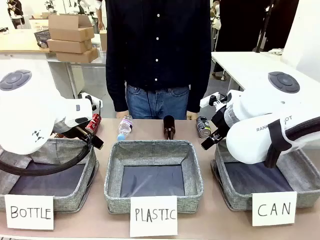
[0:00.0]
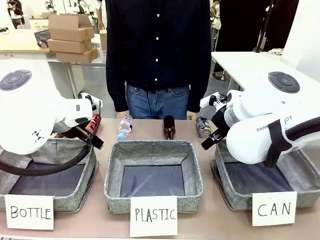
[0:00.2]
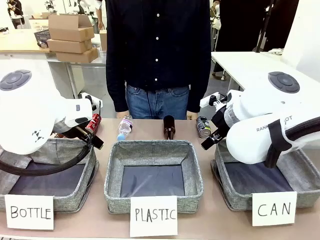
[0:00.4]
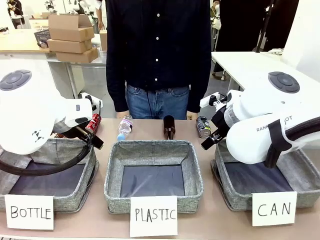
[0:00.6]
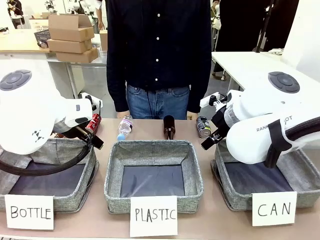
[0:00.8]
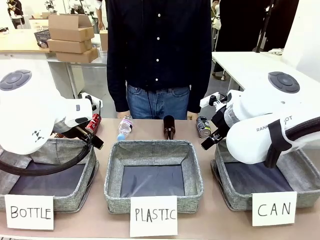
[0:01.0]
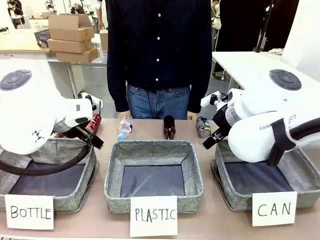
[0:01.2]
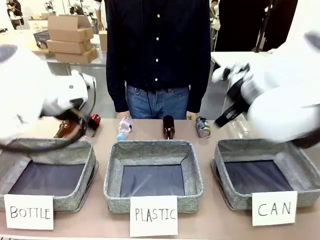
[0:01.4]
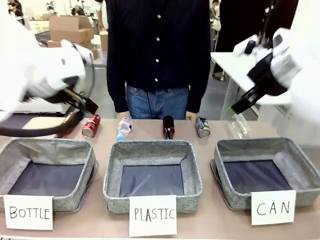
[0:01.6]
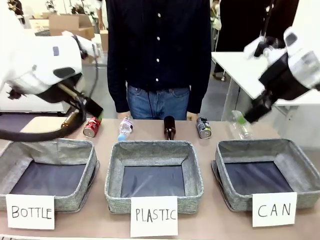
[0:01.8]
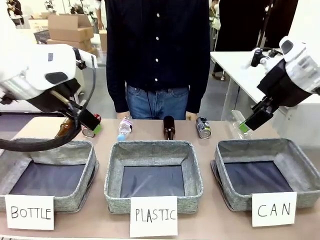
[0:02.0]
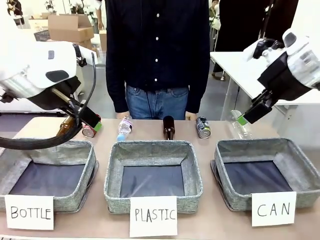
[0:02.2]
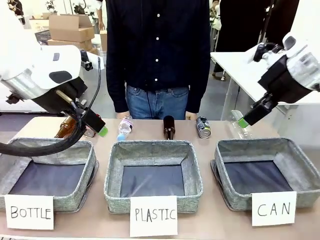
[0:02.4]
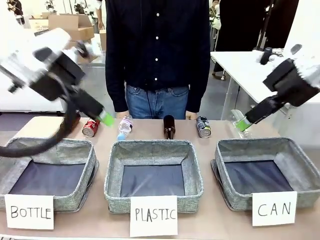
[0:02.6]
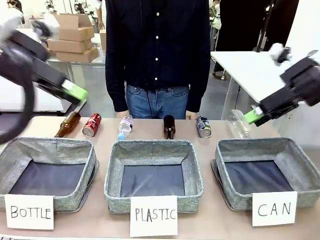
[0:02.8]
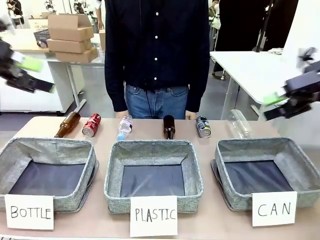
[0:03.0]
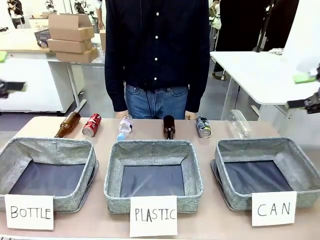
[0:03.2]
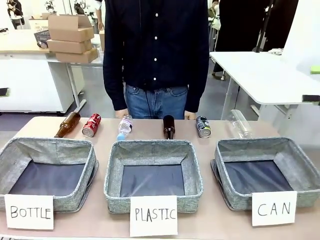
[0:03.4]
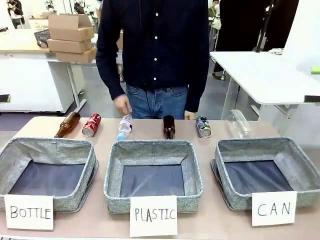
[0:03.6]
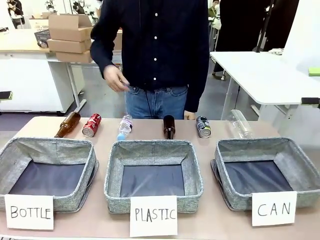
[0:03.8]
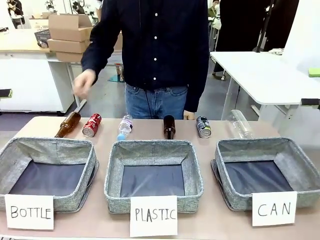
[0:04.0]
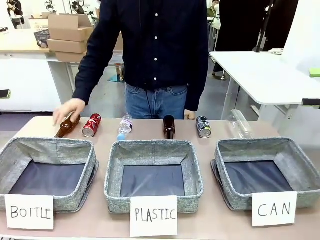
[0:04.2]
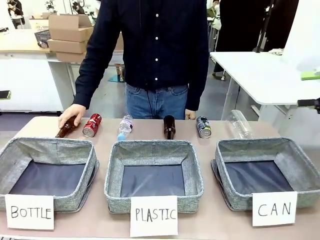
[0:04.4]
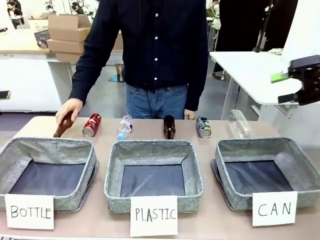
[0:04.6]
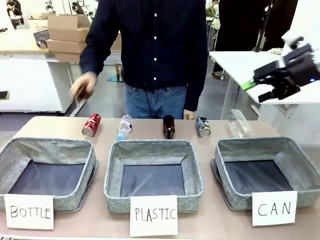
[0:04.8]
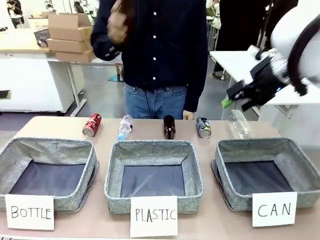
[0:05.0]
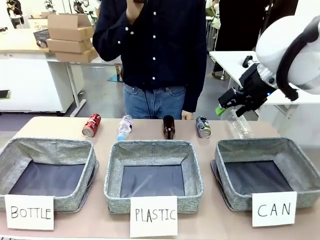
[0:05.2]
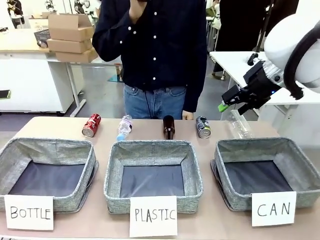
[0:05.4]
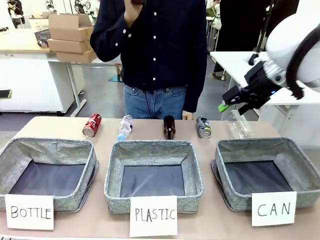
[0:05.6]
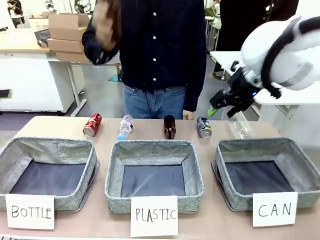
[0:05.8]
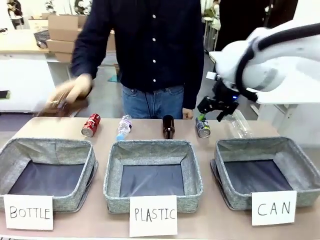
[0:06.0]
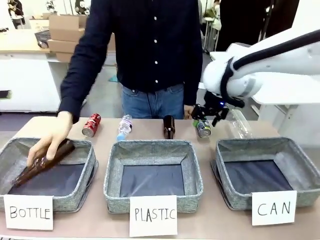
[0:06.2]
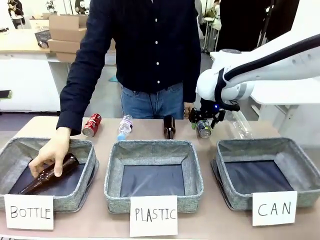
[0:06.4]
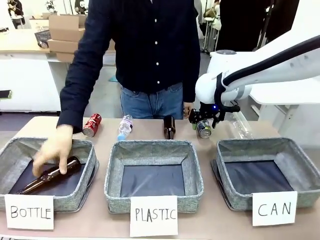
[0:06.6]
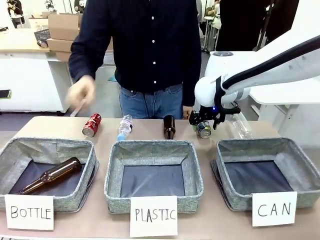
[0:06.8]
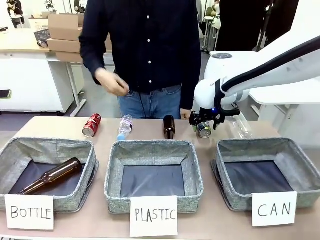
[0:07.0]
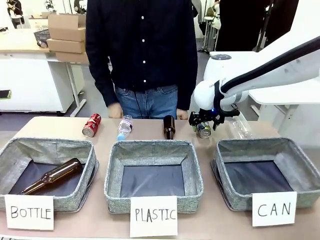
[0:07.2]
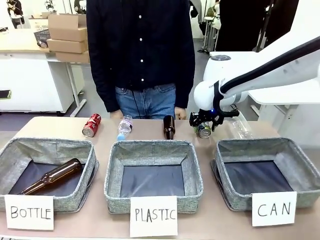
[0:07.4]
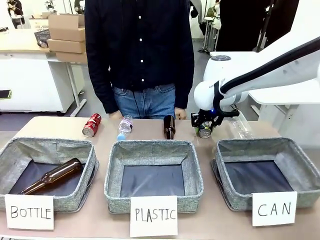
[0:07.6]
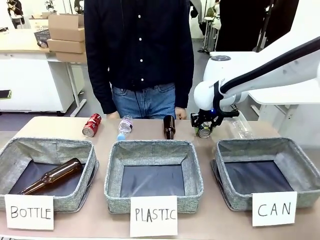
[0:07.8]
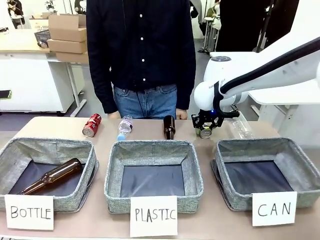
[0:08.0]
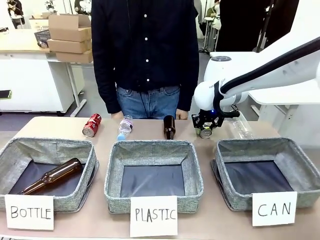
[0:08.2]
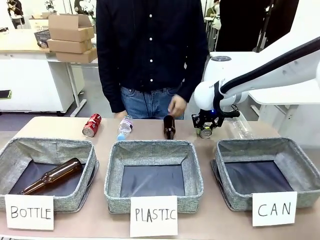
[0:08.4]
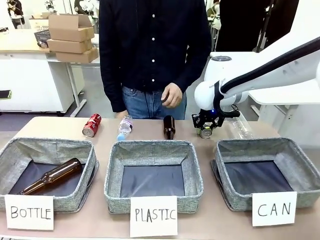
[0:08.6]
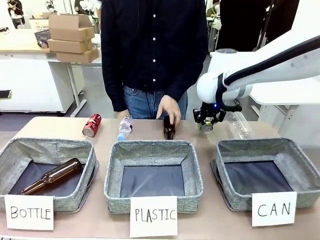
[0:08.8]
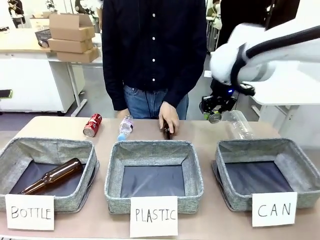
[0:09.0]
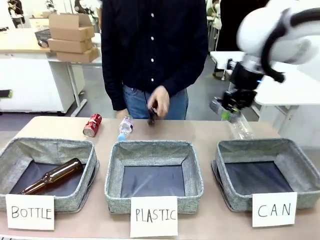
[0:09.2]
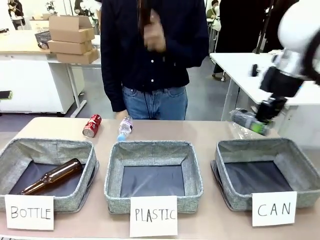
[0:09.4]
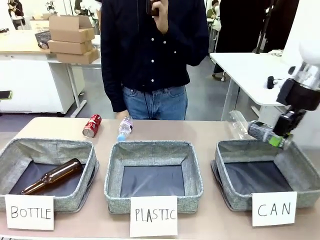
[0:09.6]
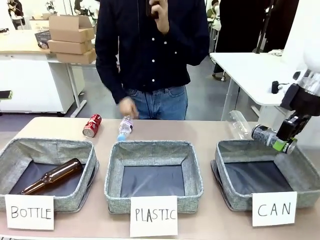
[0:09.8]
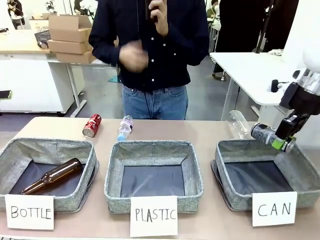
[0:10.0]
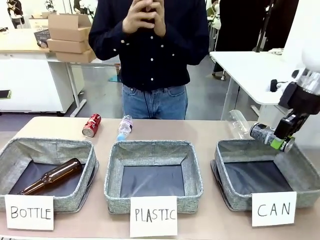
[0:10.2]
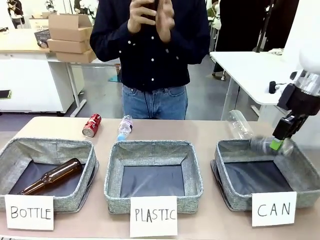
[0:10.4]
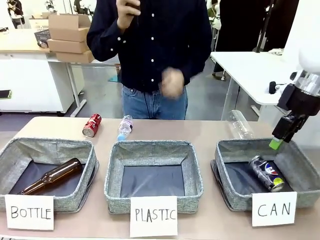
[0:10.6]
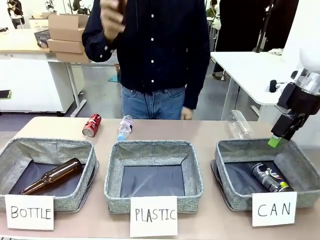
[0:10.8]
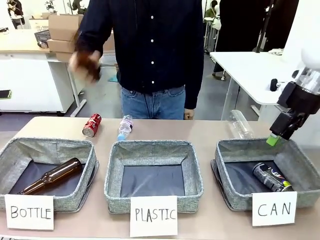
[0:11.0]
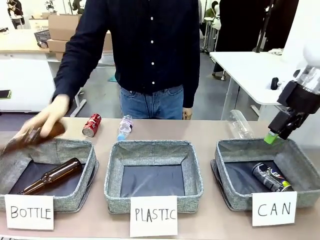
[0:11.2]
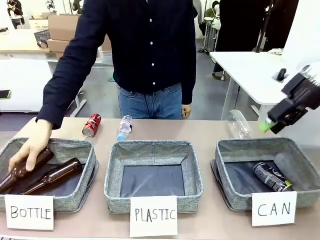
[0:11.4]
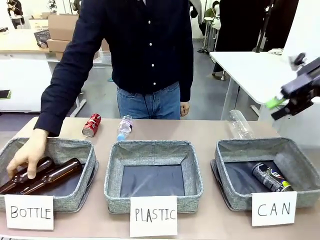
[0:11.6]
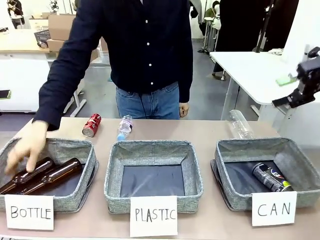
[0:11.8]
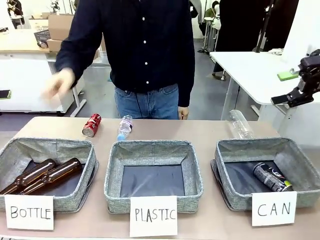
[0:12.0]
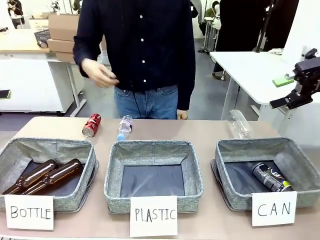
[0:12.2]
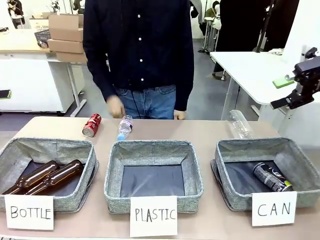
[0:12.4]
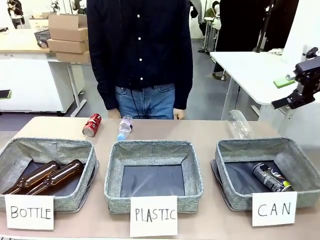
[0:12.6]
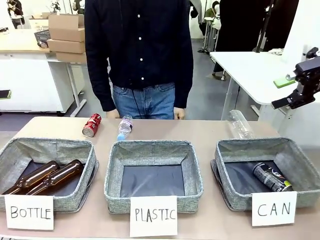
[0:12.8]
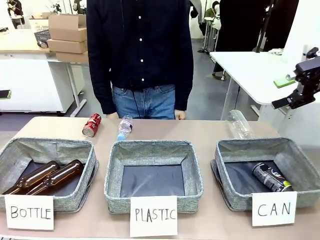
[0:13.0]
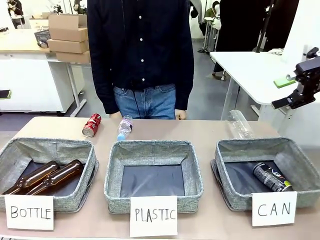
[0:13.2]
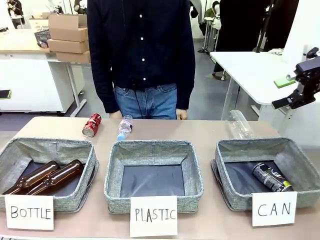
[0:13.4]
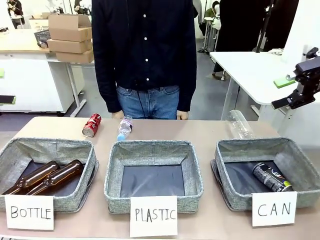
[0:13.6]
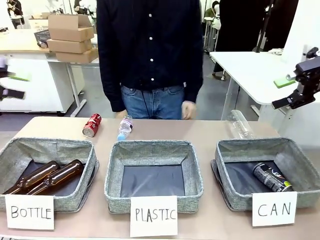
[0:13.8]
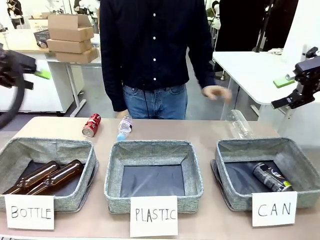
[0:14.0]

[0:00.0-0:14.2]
Task: Sort the can waste into the basket.
Robot: Pick up the can waste from the table and place it in the right Fabric basket.
